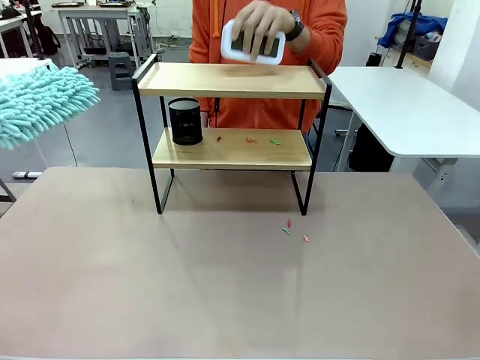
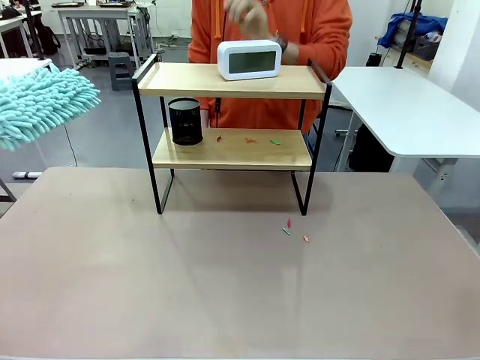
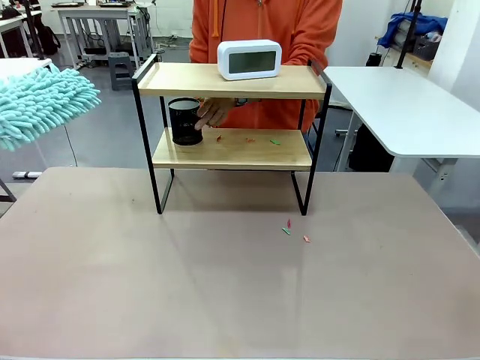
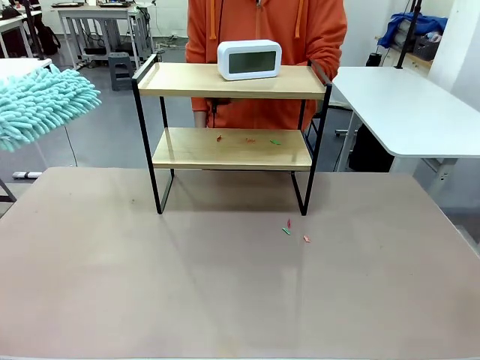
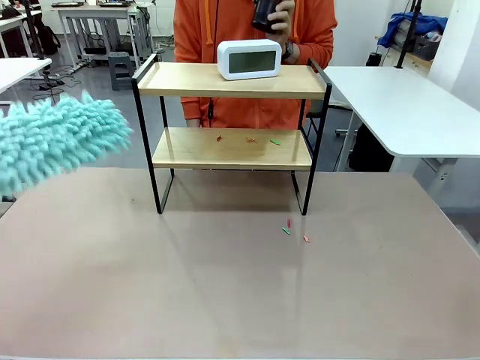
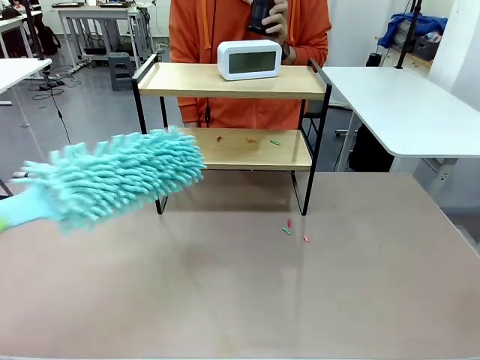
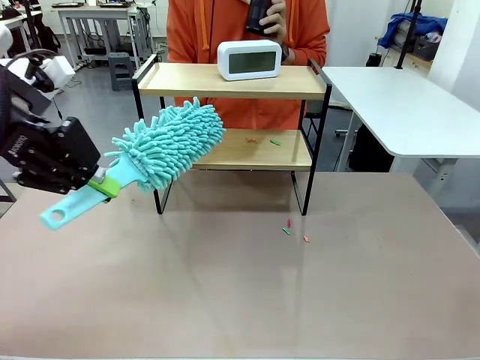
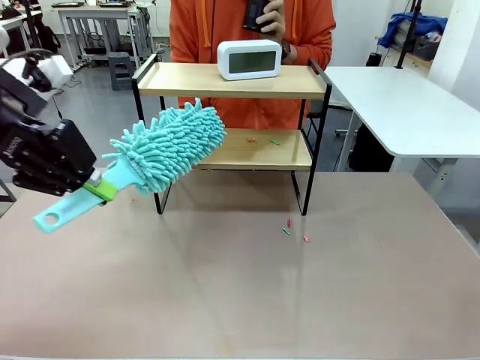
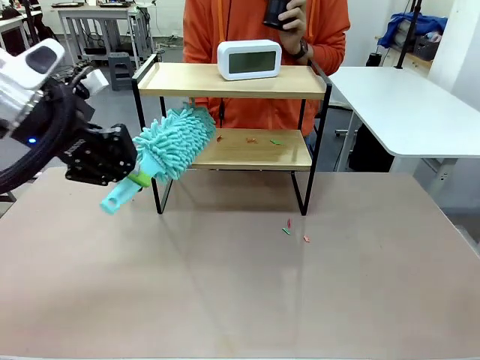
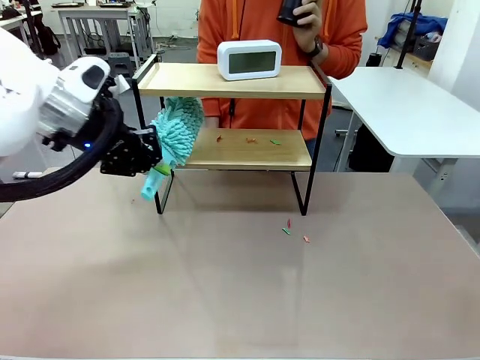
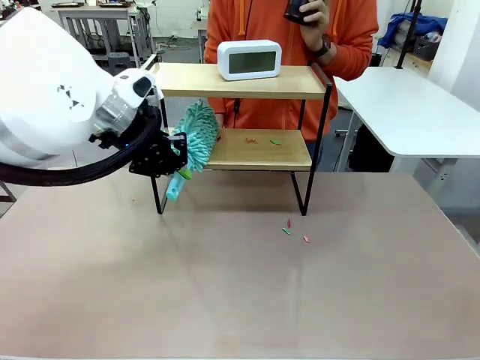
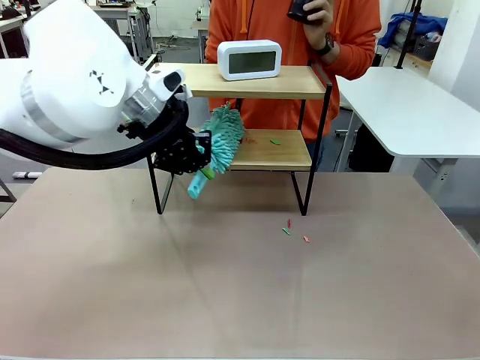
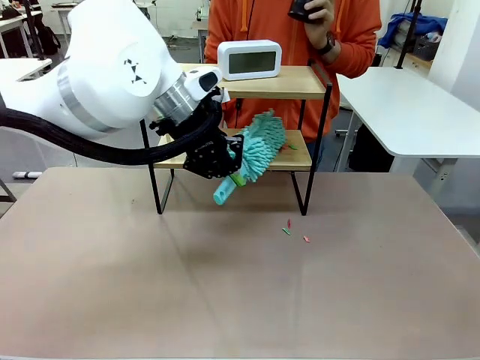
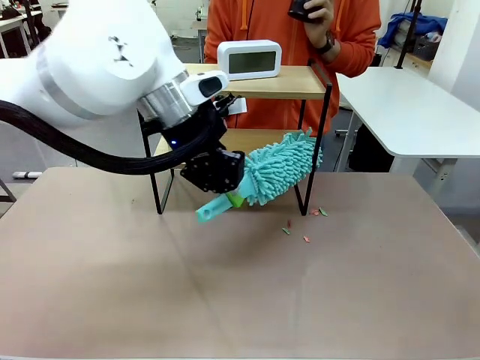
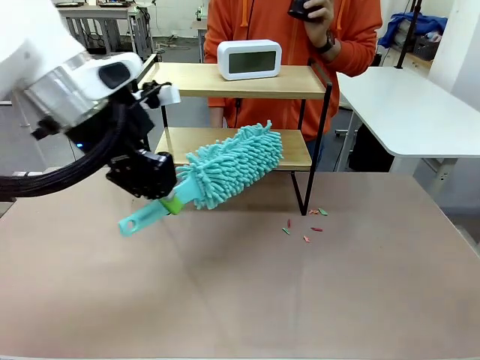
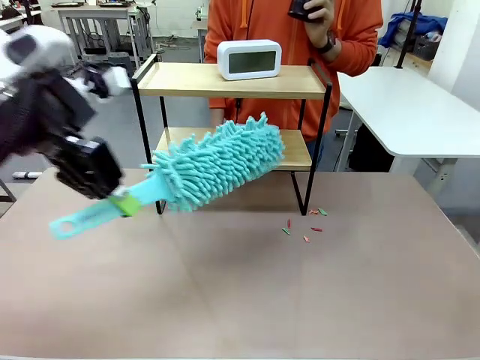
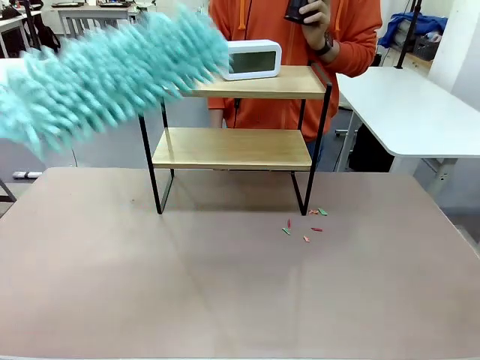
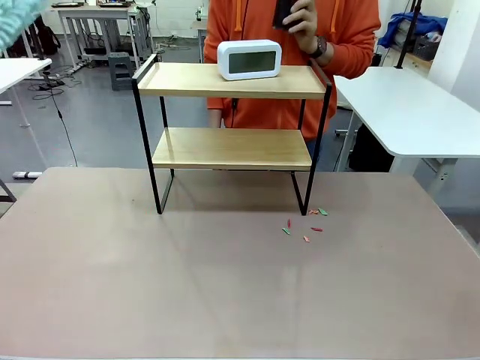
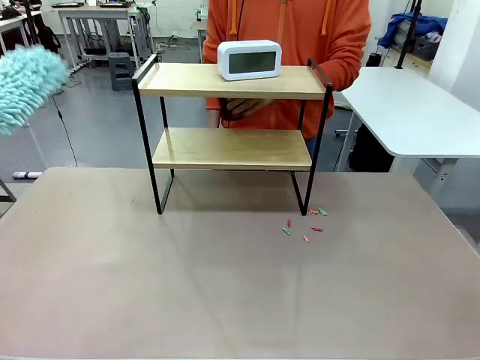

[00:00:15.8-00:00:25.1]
Task: Clean the shelf.
Robot: Clean the remaining tier of the Shelf with the Duster once objects are removed.

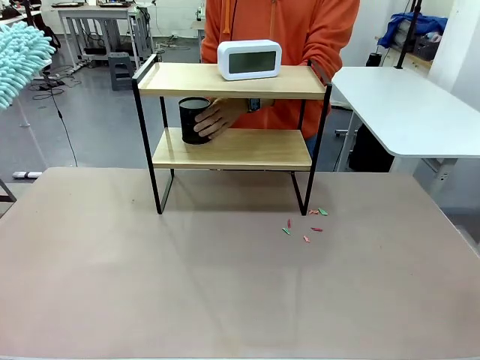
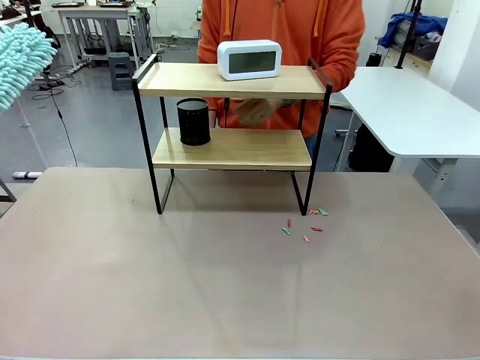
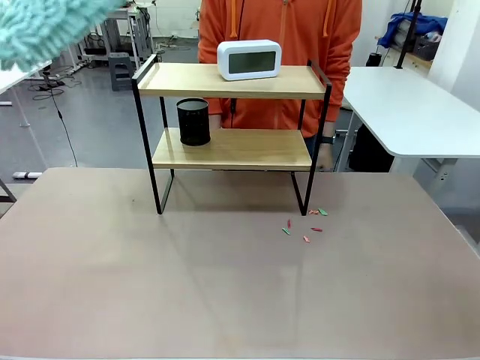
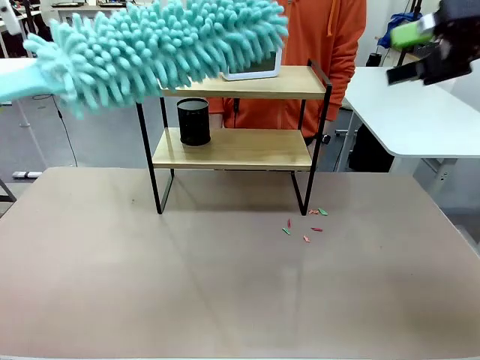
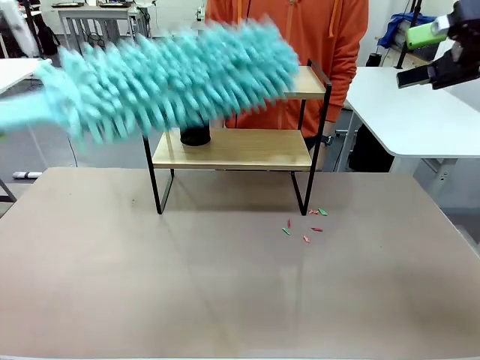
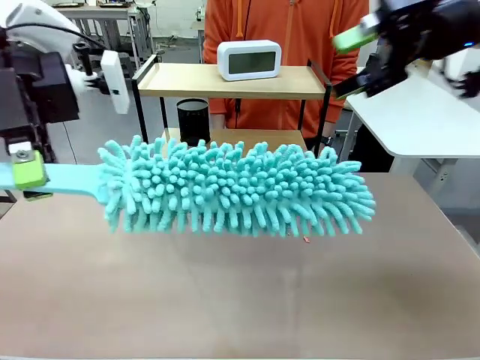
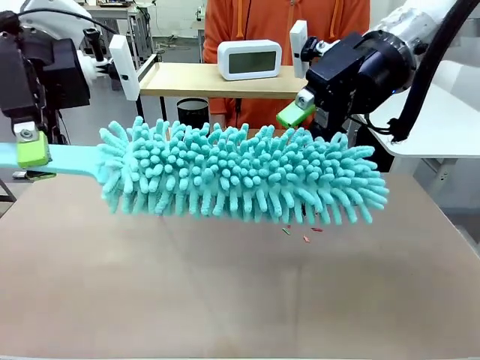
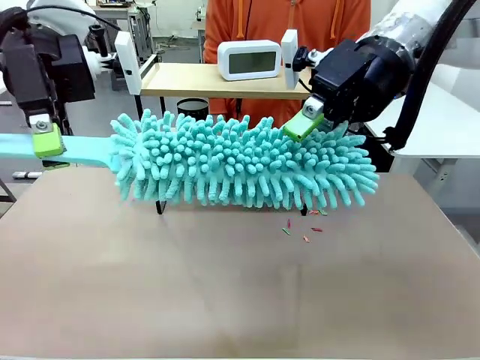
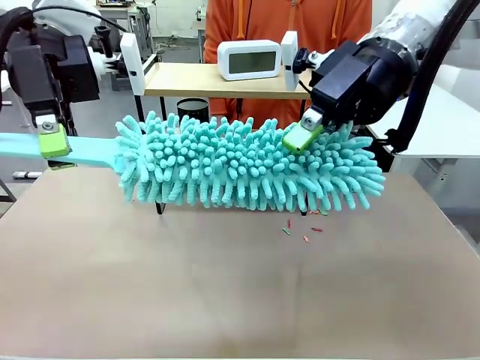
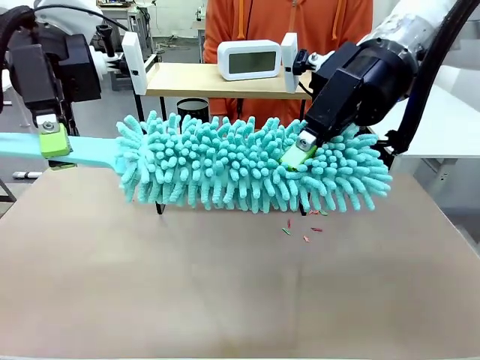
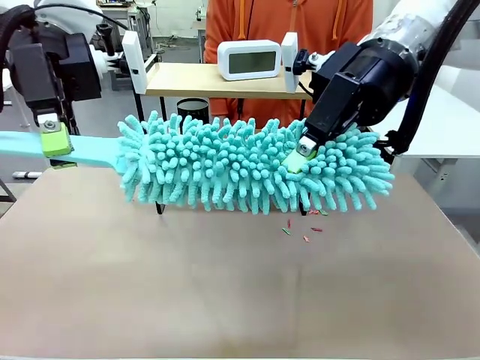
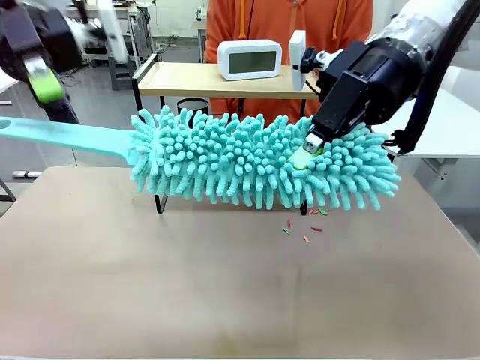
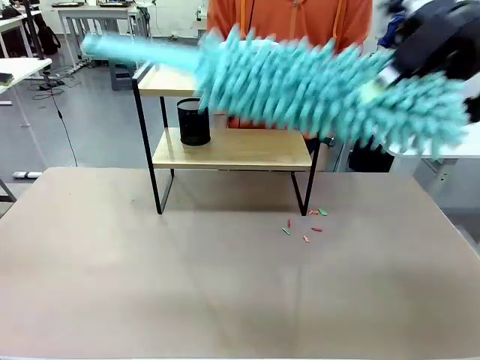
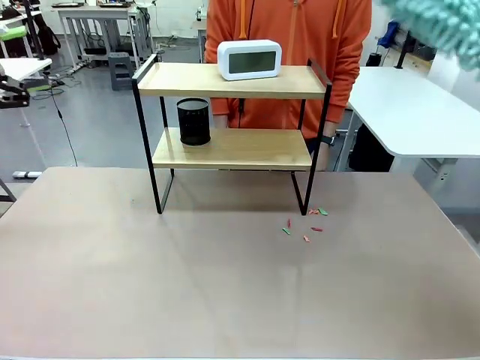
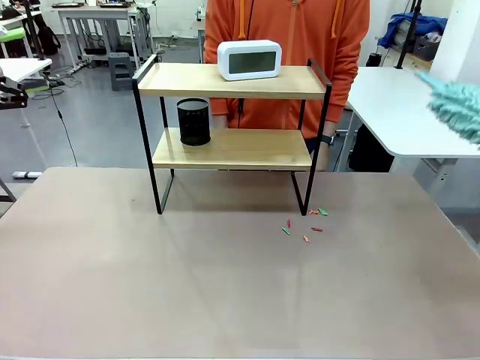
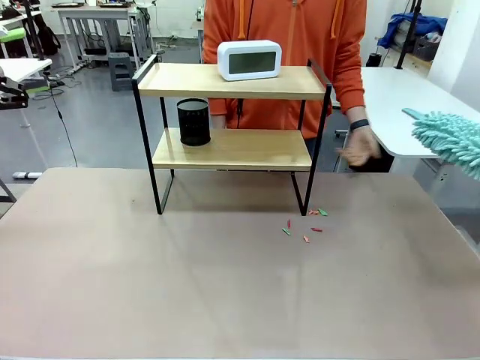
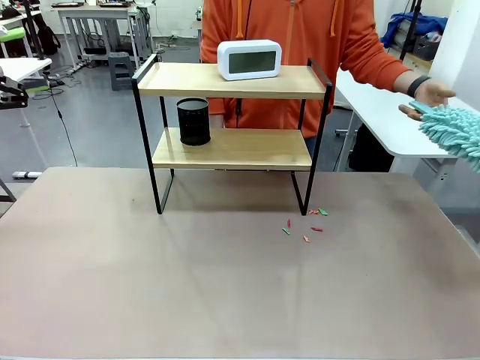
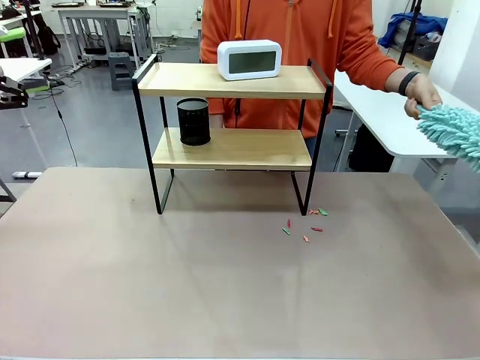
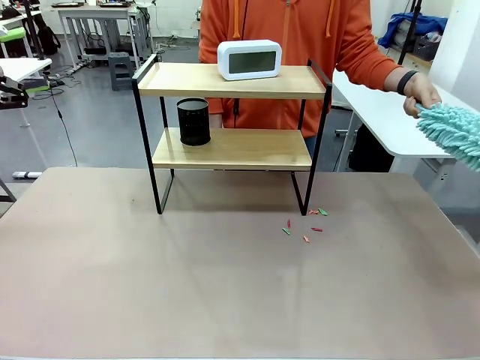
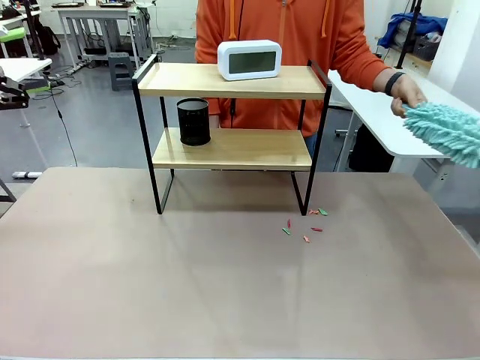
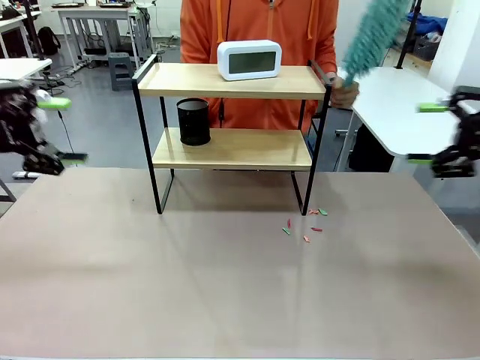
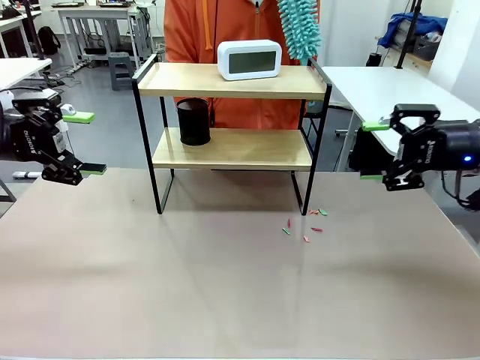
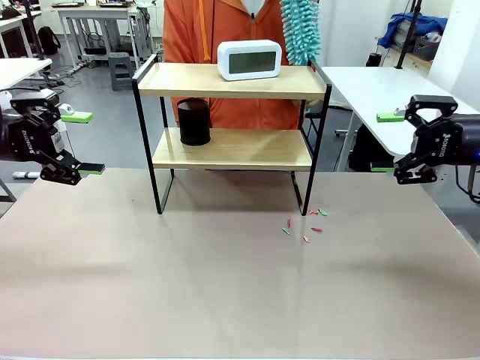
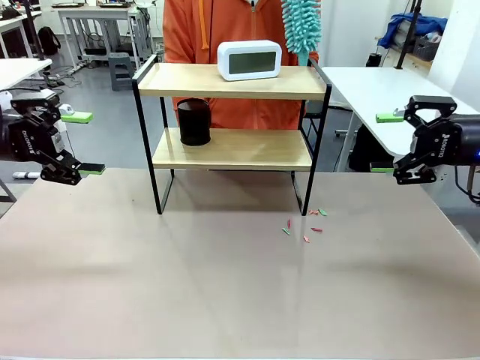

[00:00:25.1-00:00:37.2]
Robot: Hand the Duster back to the human.
Person: Receive the Duster from the robot.

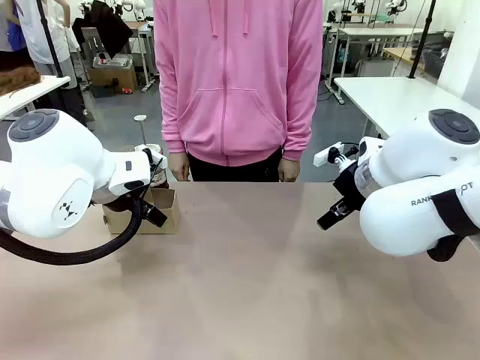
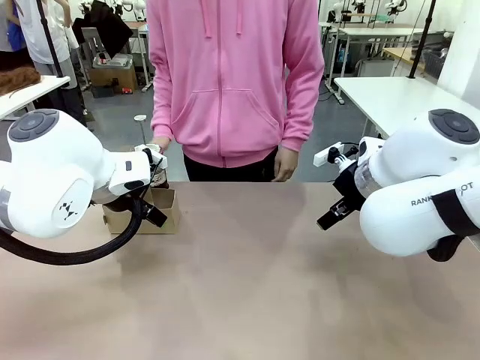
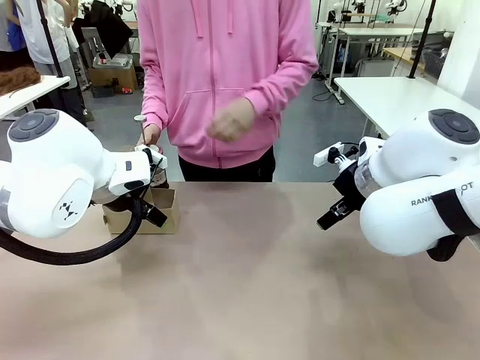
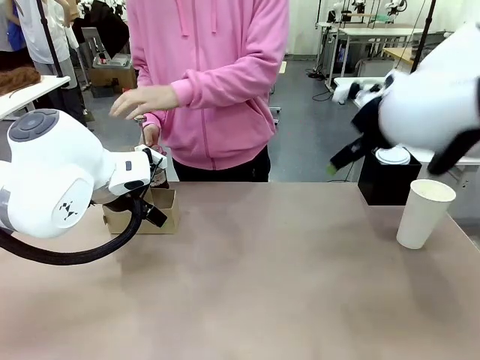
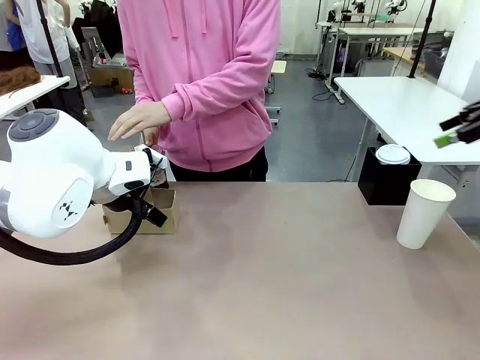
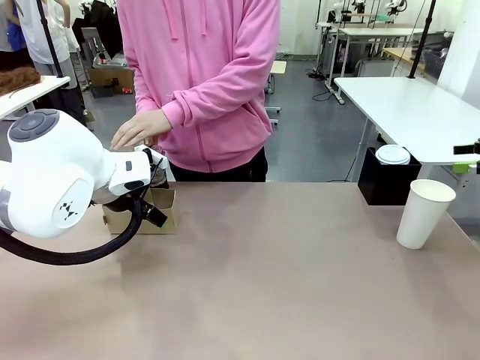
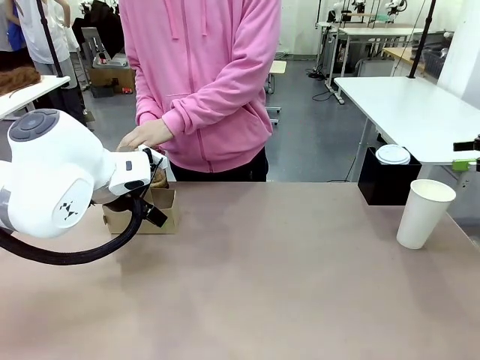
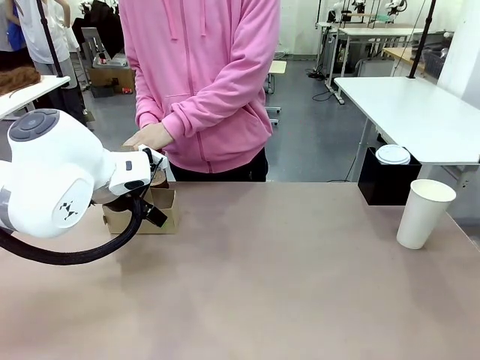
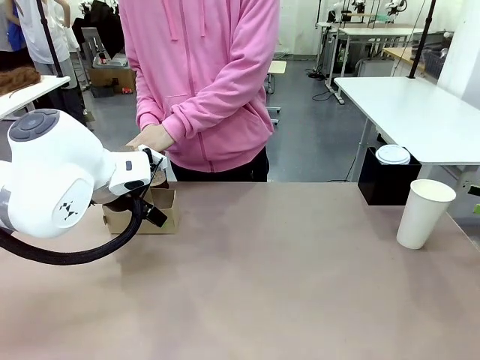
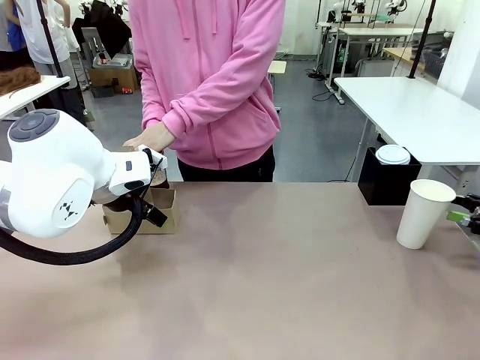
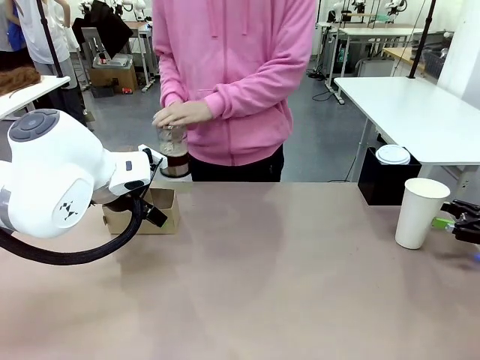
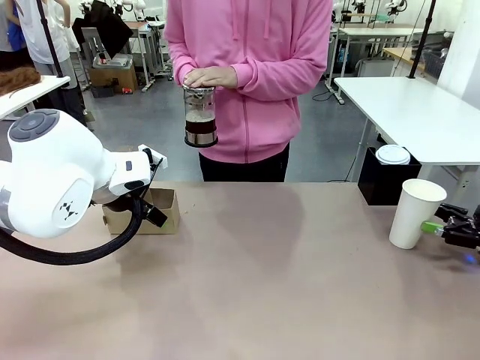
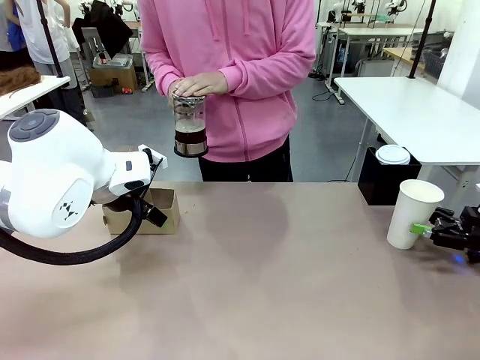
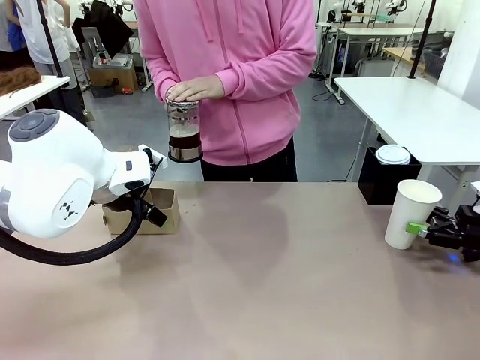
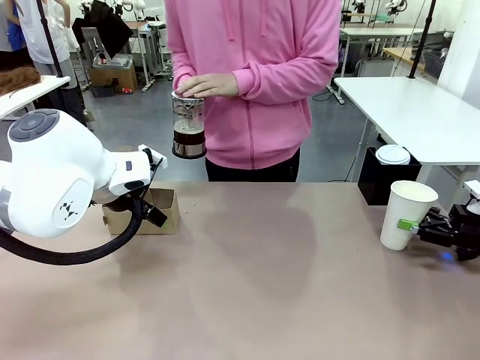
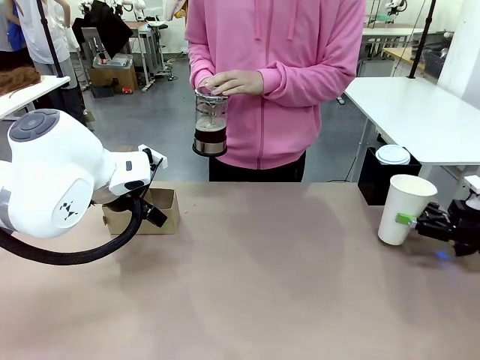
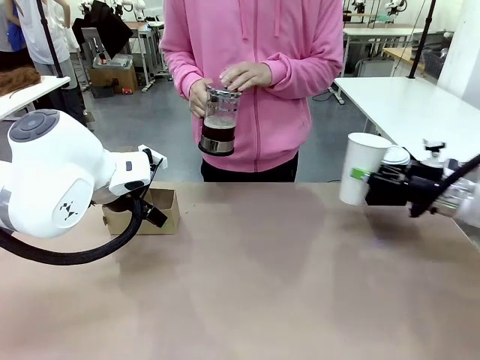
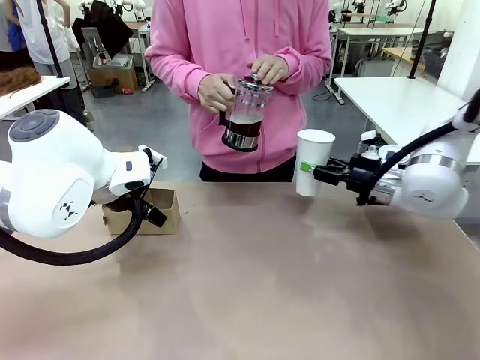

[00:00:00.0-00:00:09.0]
Task: Pour a drink into a cup and package it in a carrier.
Robot: Pick up the 600 ml Paper Cup and place it in the middle top area of the table.
Person: Press and pick up the Filter Brewing.
